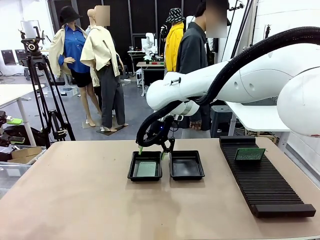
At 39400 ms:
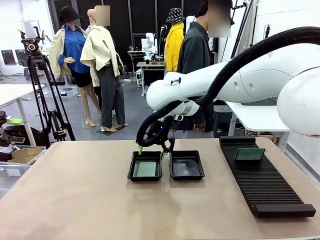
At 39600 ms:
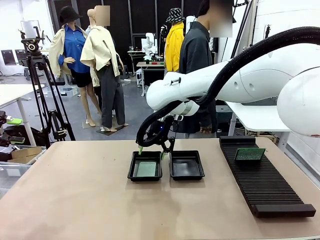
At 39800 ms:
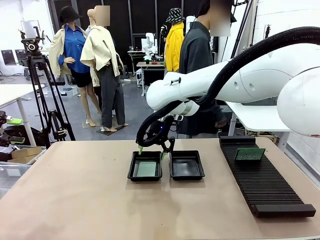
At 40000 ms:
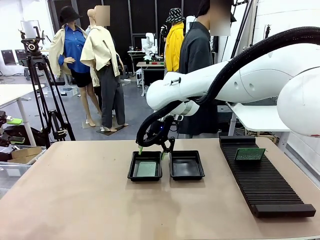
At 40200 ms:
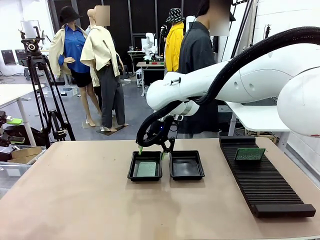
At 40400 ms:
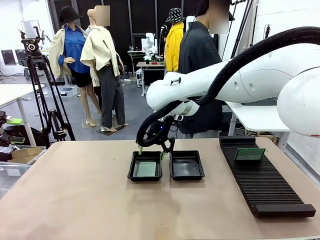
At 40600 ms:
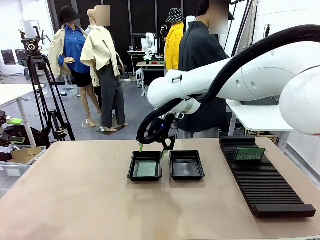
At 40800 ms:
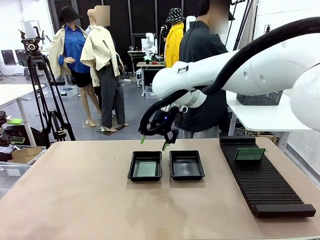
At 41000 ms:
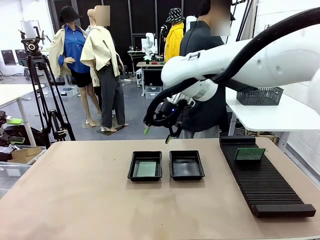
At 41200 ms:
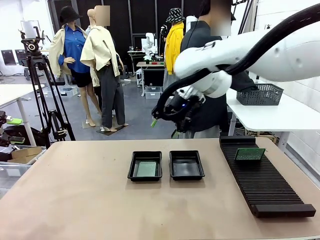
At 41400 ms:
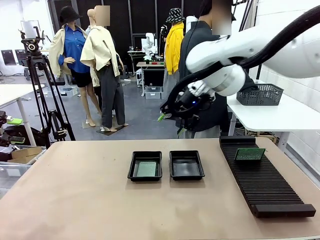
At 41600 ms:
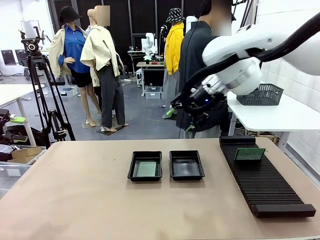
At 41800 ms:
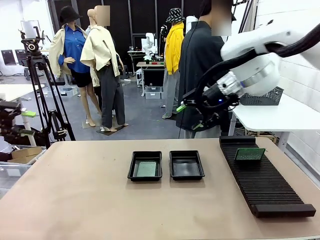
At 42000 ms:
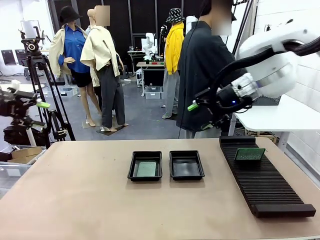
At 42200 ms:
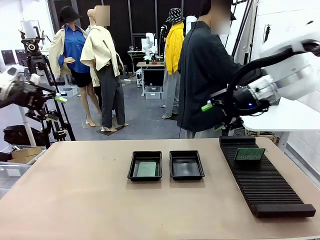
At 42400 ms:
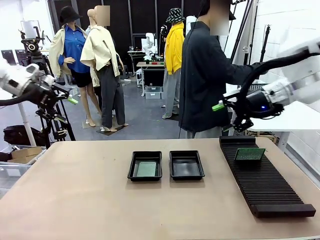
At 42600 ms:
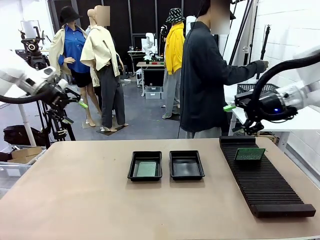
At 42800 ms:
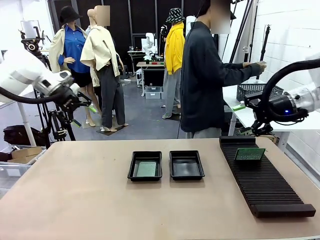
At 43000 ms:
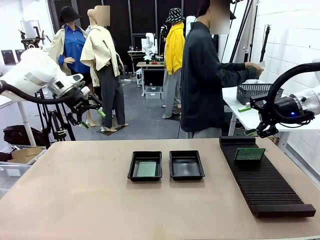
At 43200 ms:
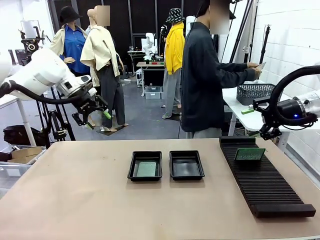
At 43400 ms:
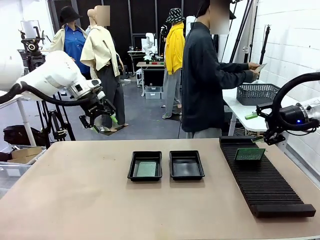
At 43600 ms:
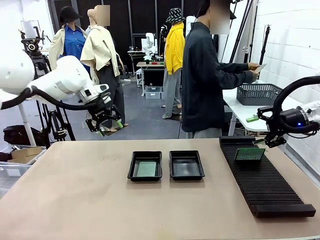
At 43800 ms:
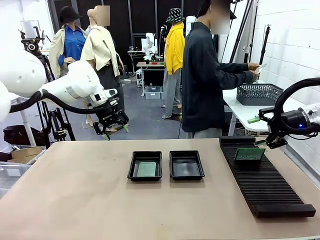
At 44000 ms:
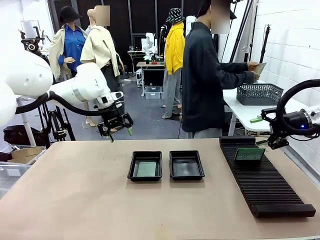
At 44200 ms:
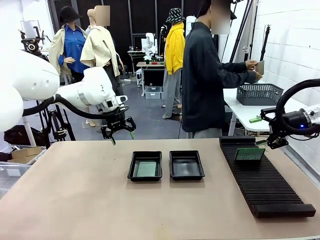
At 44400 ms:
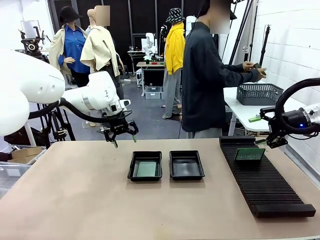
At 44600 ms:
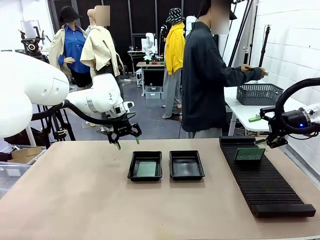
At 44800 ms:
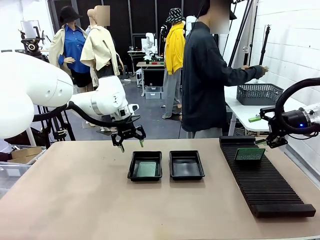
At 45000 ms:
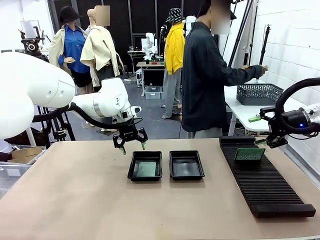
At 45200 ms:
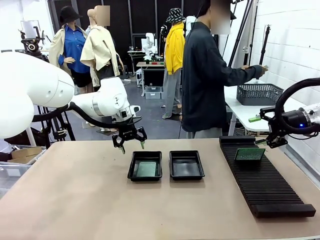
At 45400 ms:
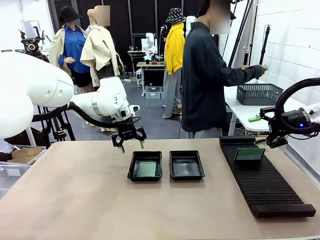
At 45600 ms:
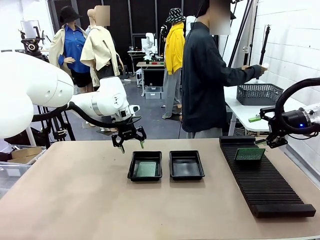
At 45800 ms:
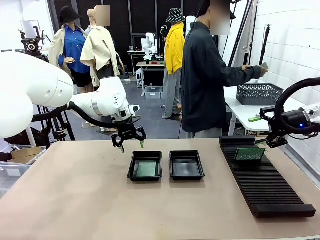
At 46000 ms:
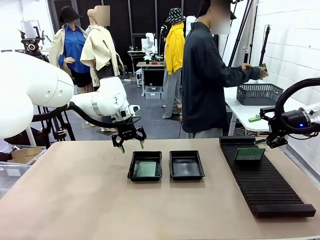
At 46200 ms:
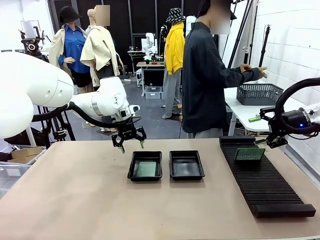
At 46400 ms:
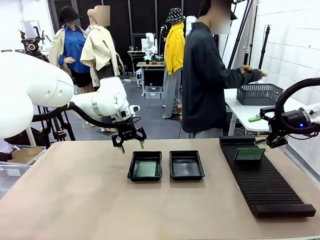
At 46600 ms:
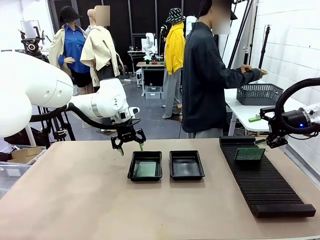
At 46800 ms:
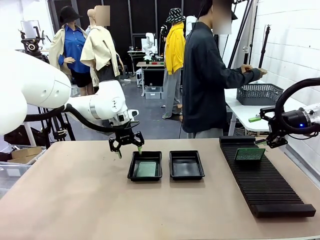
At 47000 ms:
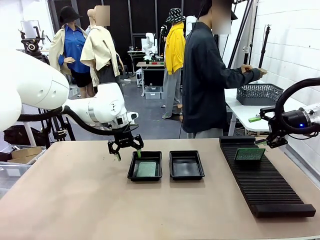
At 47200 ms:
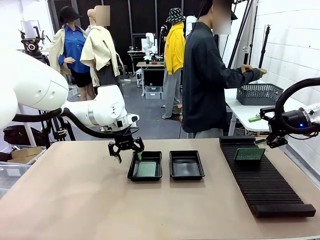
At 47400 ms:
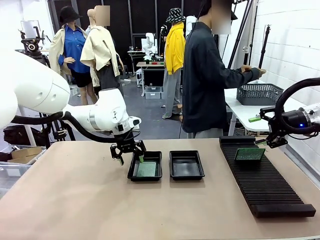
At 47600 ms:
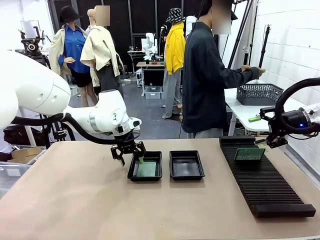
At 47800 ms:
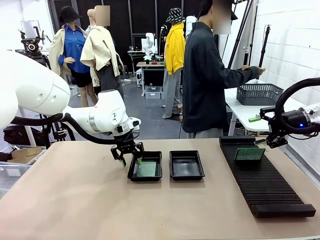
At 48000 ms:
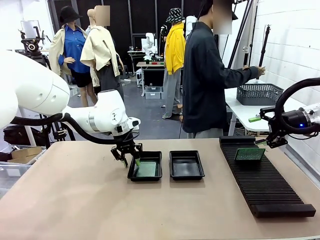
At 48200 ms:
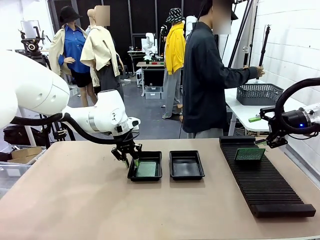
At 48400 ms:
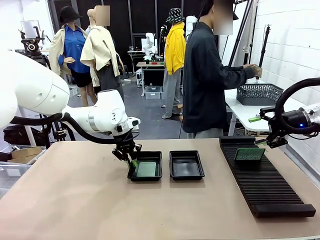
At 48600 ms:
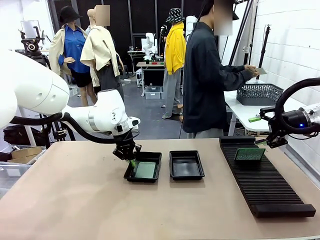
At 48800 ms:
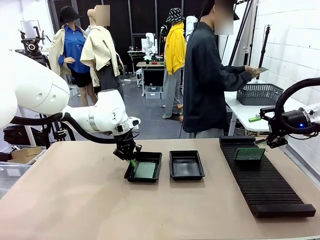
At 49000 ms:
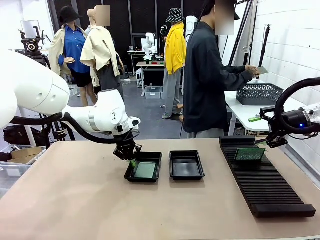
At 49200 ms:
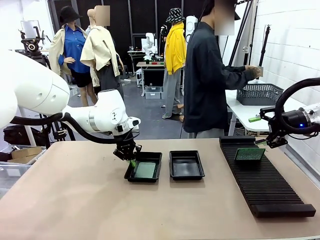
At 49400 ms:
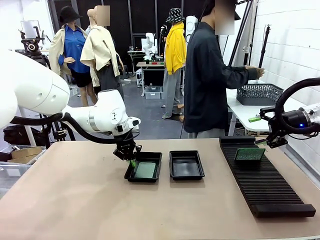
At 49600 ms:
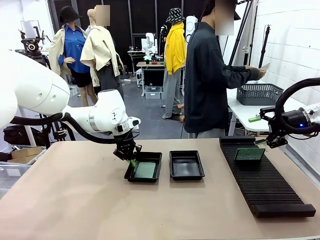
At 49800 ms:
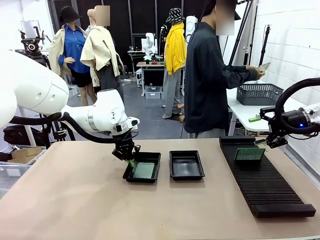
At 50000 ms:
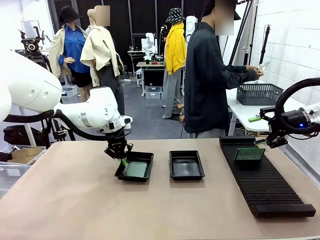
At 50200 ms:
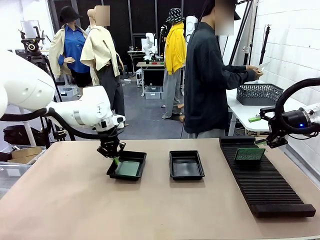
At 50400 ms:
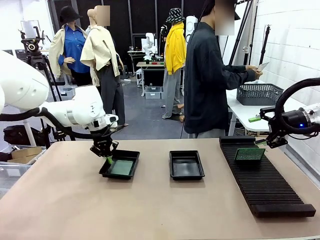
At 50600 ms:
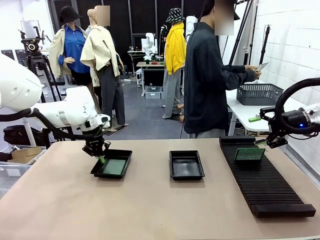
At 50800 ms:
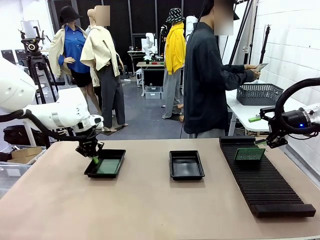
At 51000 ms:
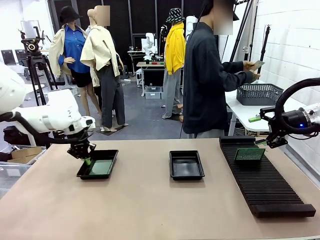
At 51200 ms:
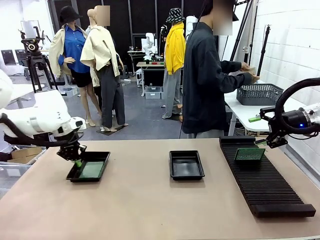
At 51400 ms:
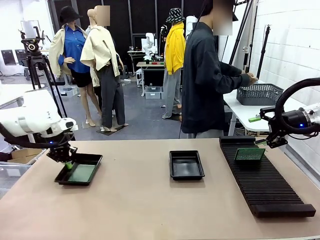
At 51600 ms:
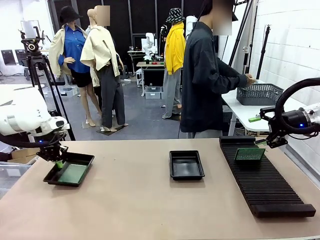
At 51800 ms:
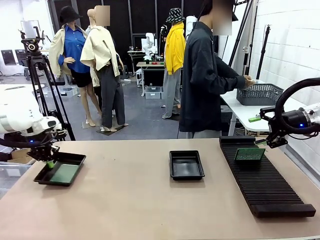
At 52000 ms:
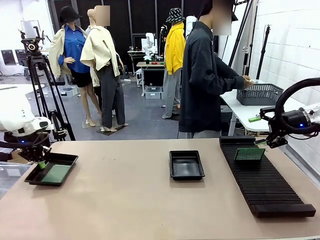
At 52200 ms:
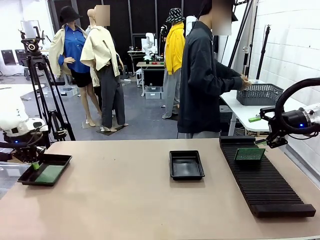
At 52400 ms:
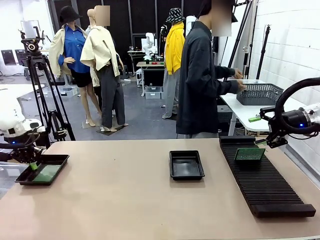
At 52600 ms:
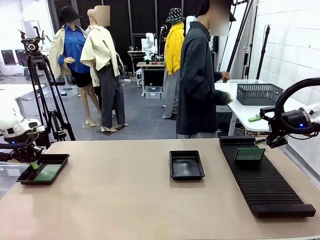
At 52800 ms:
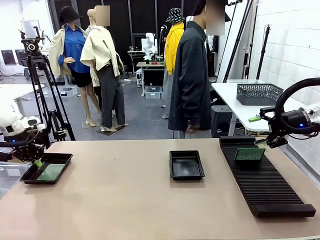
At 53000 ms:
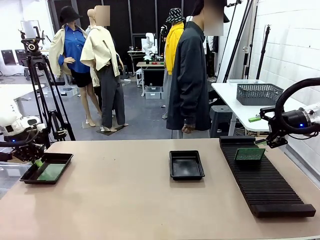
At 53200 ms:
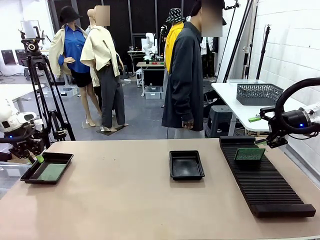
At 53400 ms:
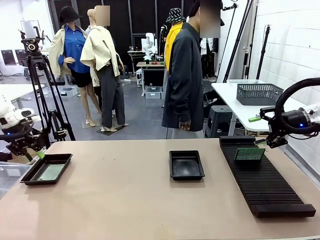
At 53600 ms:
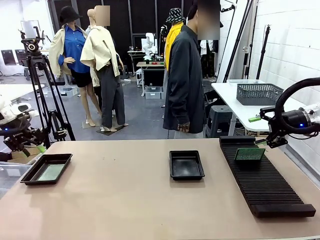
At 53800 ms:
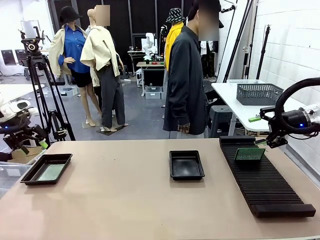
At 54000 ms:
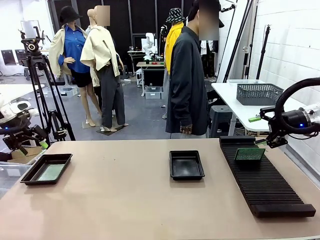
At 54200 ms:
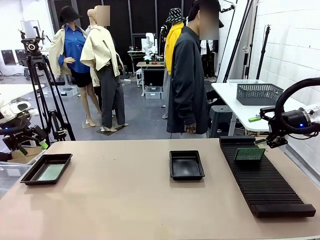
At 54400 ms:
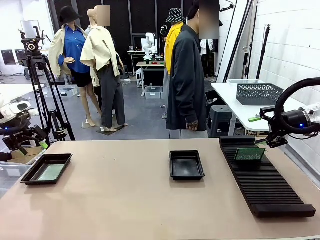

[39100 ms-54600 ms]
Task: Inspect and transfer BCBs to ESD trays.
Robot: Pick up the ESD tray and place it on the left side of the table.
